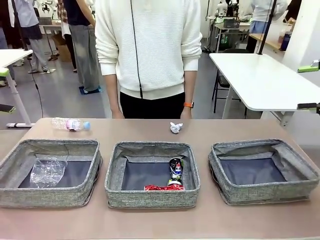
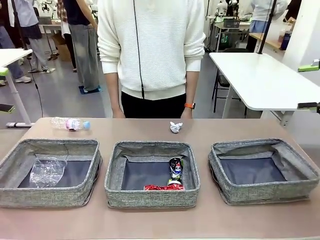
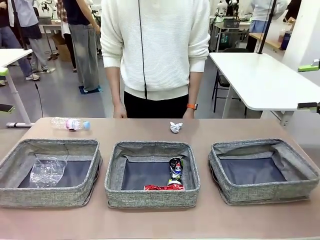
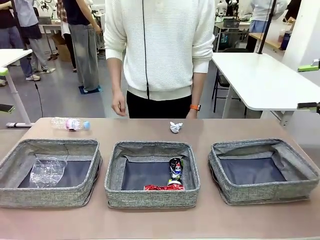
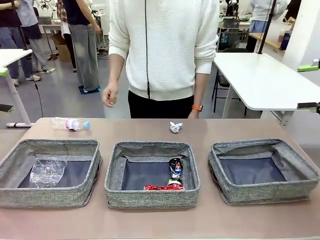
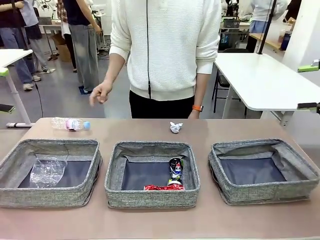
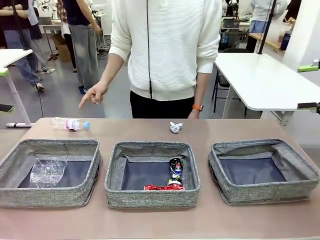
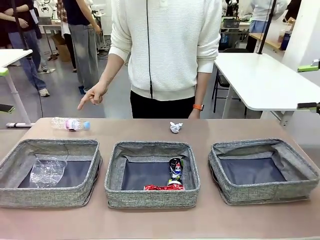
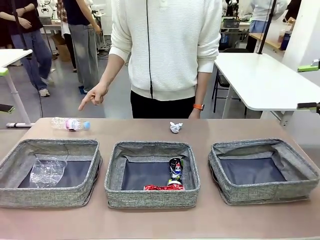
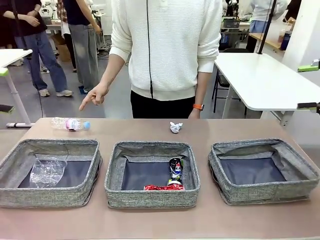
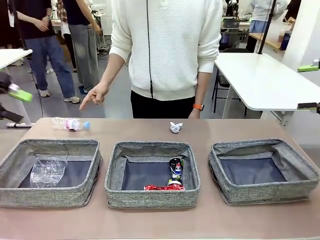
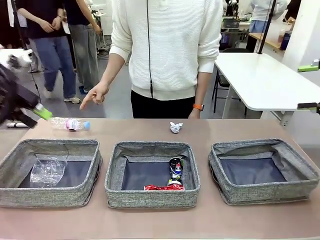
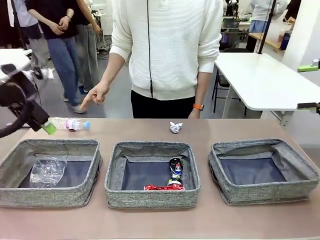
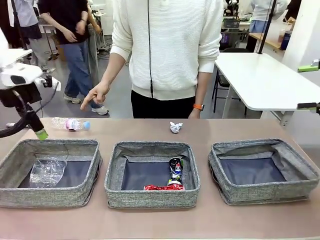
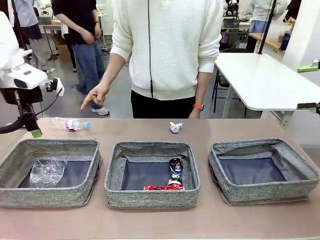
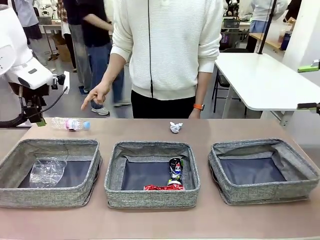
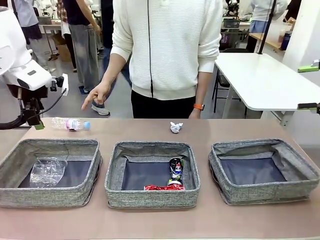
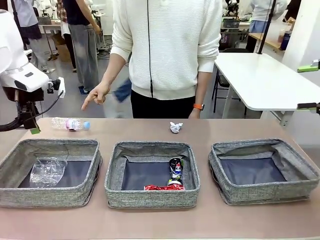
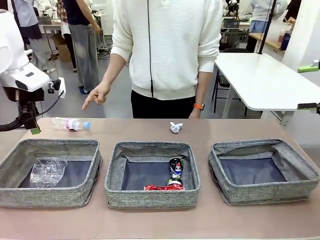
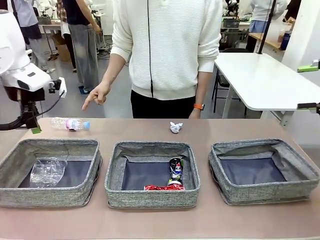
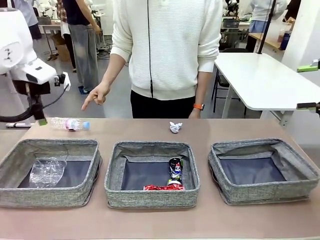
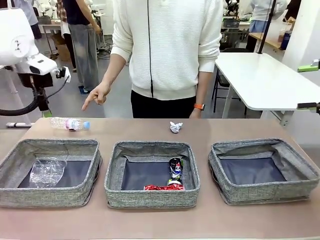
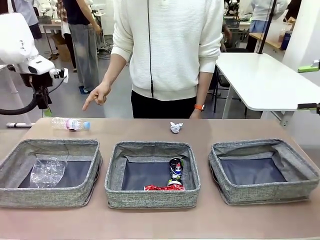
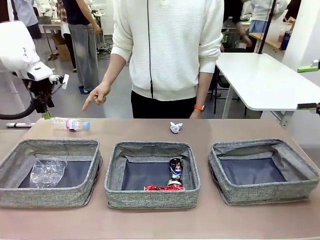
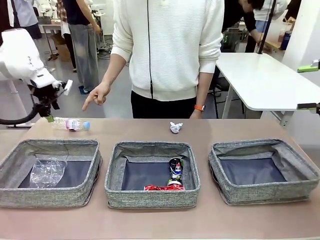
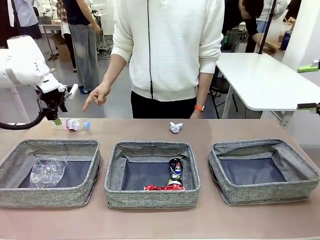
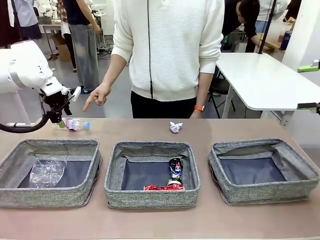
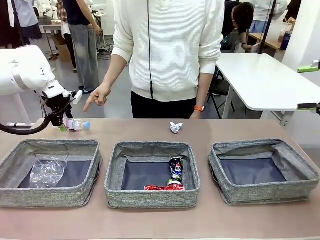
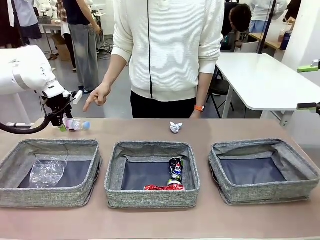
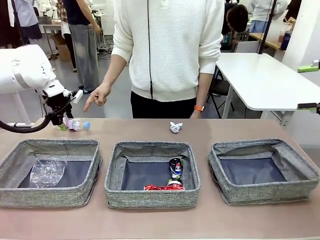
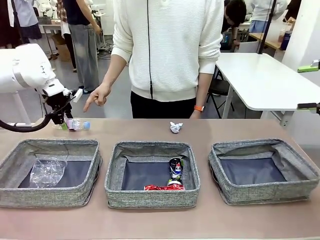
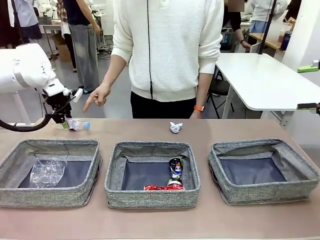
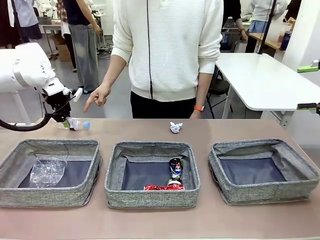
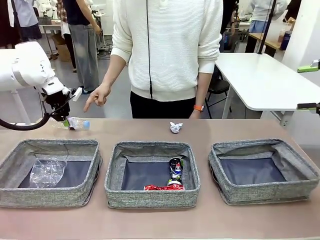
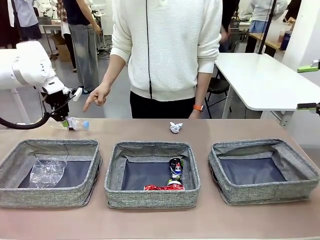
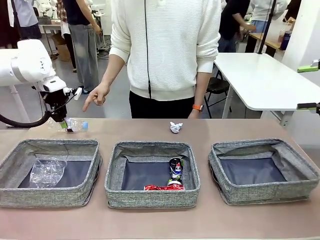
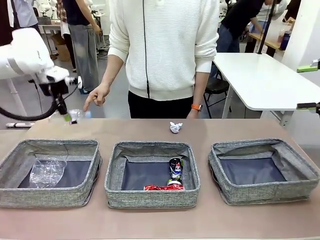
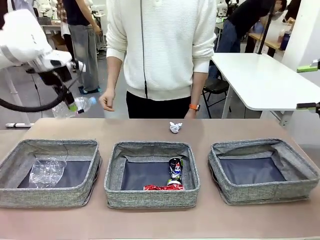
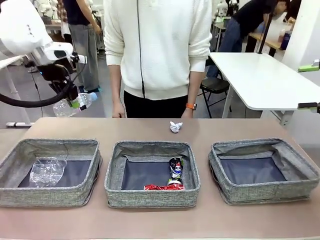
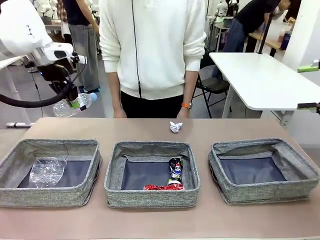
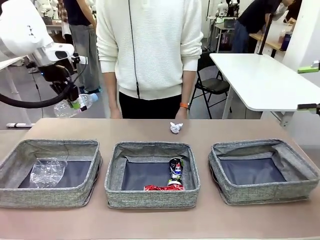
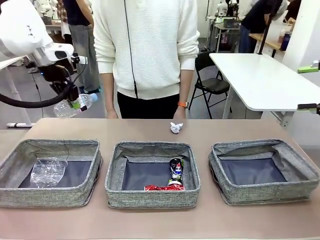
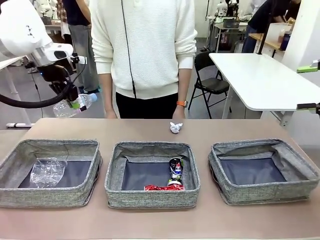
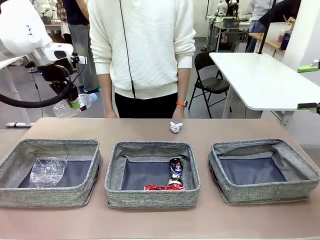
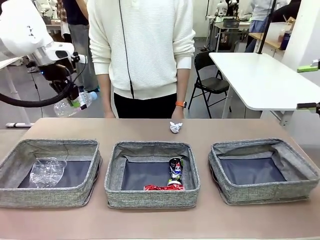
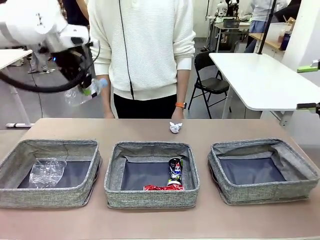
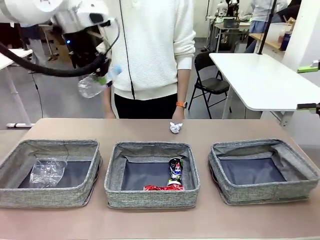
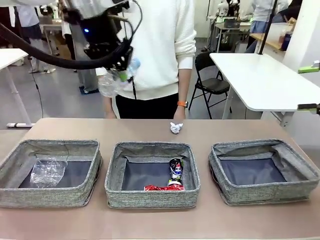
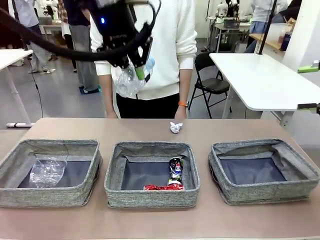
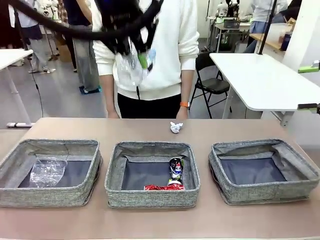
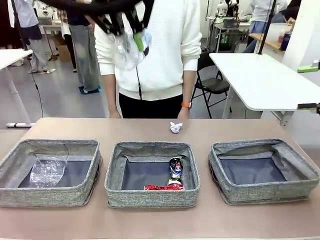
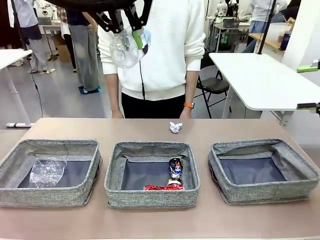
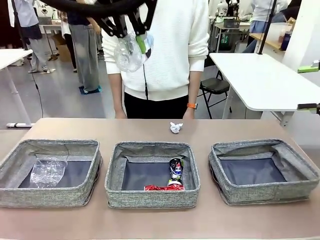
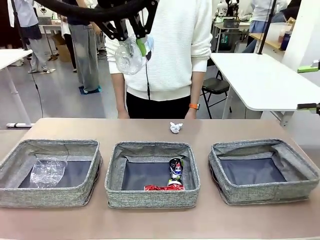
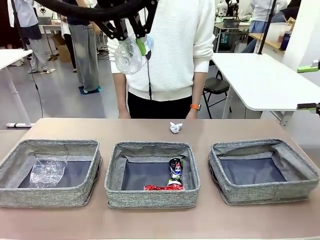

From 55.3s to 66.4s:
Task: Sort the waste into the appropriate baskets.
Robot: Pick up the waste item pointed out by the person.
Person: Points to one piece of trash on the table.

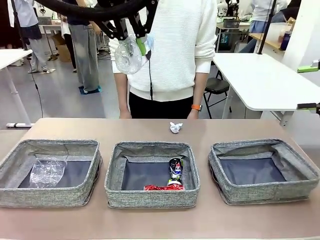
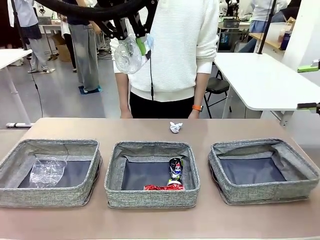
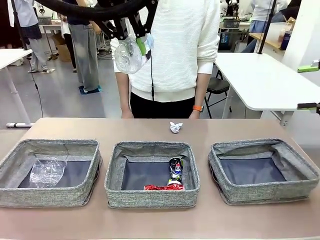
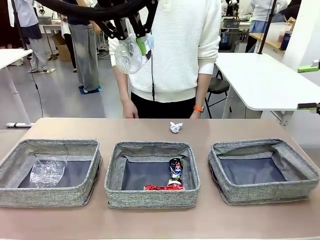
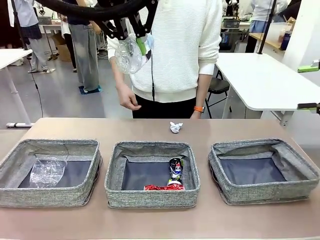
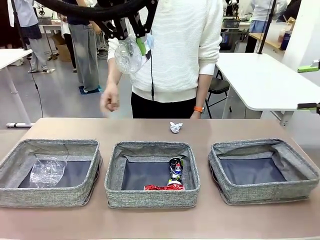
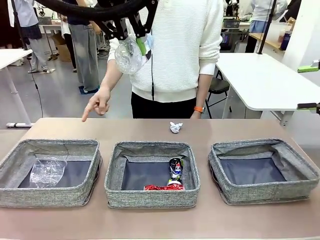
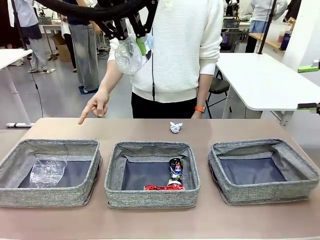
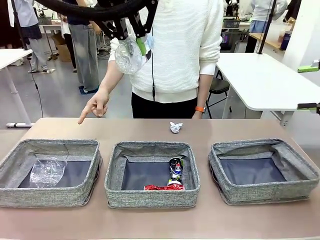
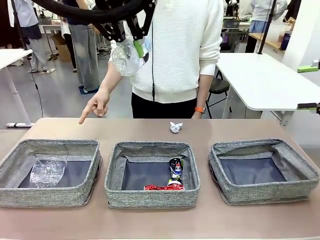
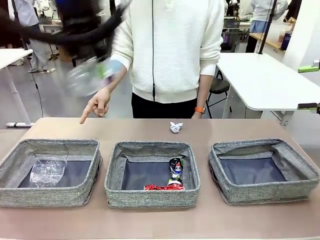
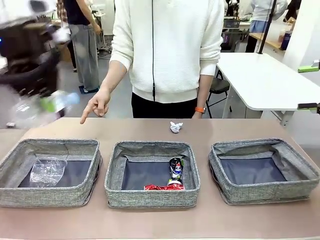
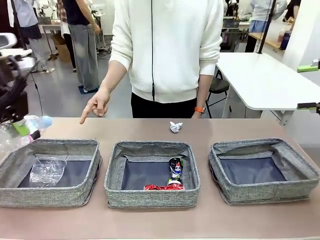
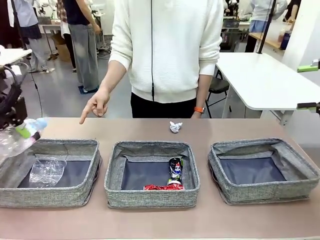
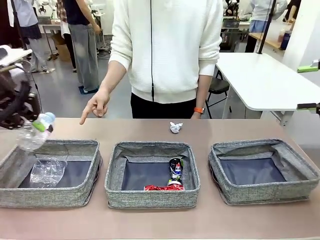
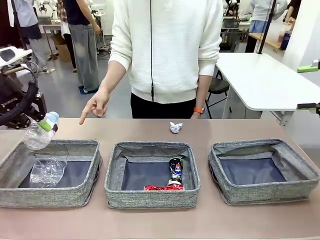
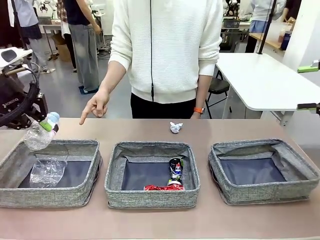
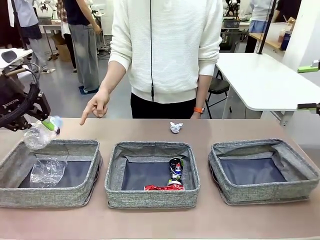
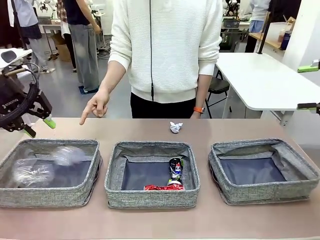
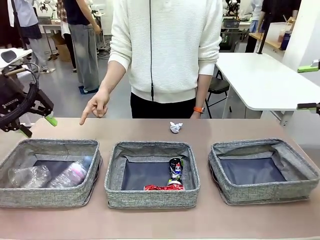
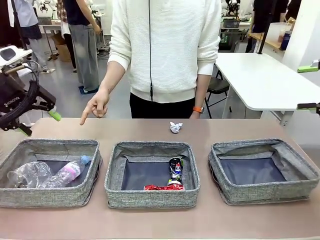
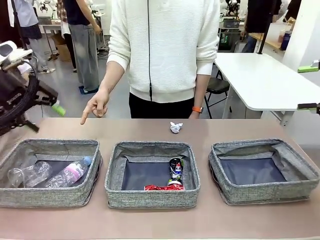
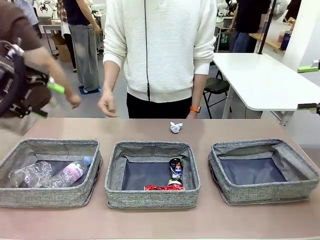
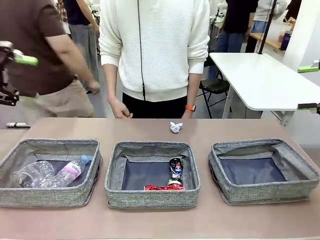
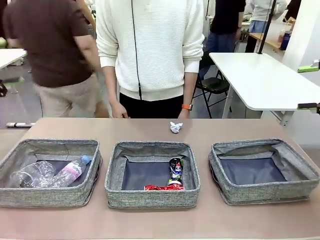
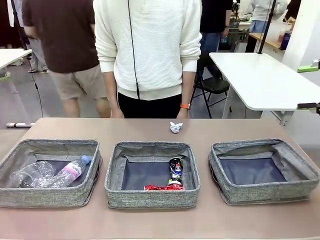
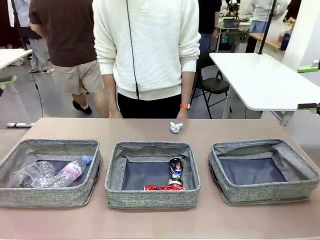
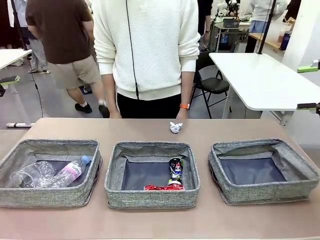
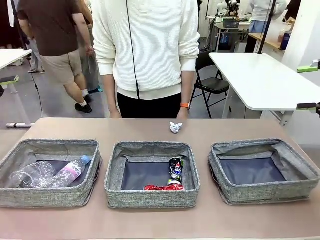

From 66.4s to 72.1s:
Robot: Place the picked waste into the Fabric basket indicated by the person.
Person: Instructs the robot to place the picked-up trash into the appropriate organizing basket.
